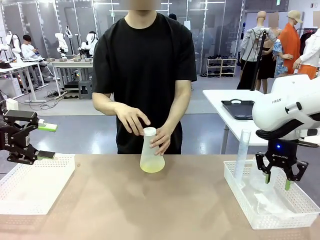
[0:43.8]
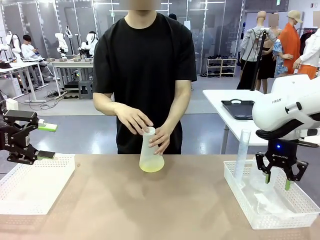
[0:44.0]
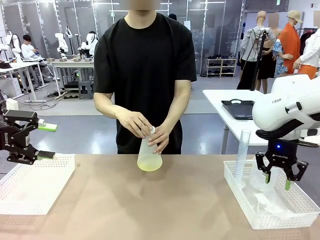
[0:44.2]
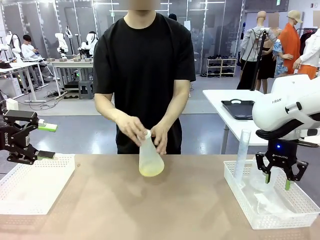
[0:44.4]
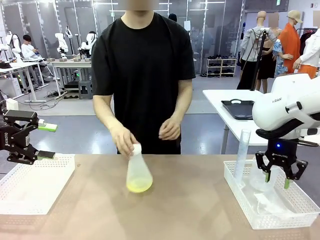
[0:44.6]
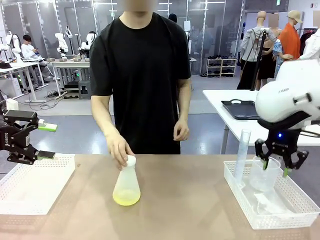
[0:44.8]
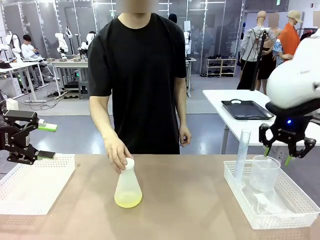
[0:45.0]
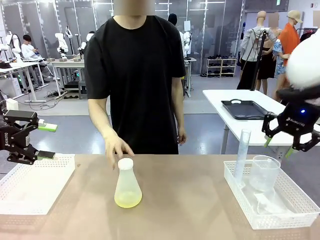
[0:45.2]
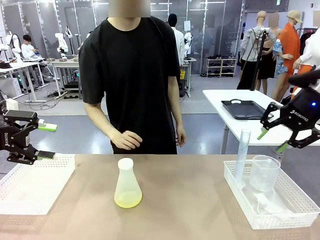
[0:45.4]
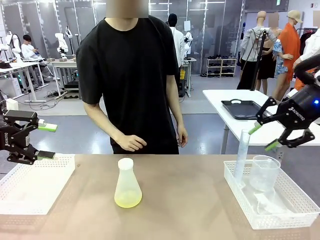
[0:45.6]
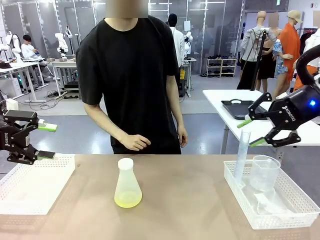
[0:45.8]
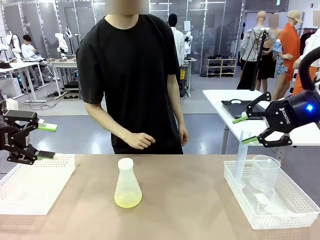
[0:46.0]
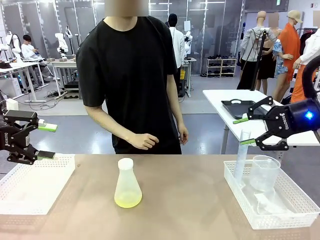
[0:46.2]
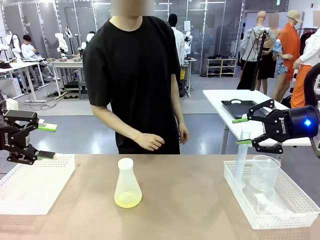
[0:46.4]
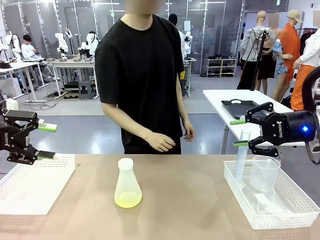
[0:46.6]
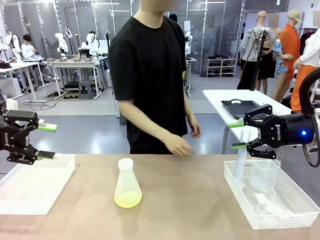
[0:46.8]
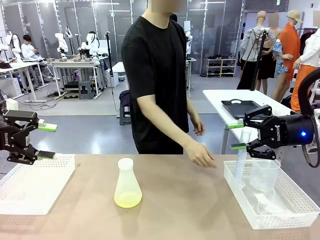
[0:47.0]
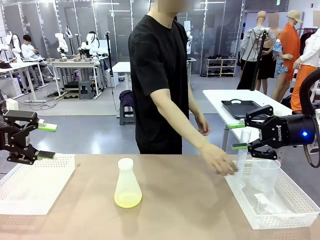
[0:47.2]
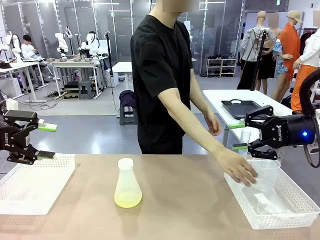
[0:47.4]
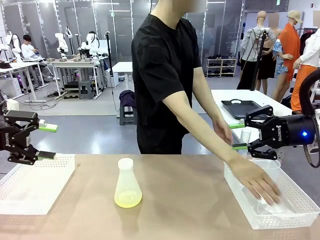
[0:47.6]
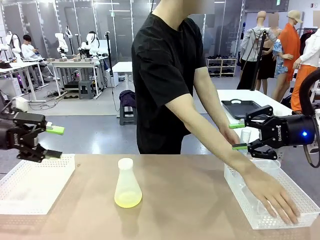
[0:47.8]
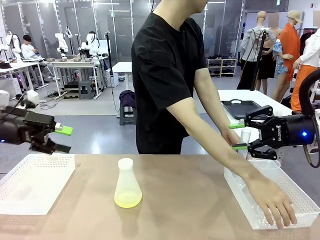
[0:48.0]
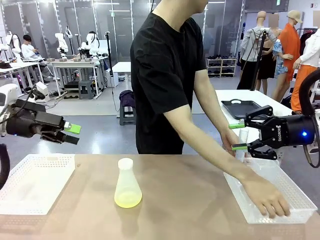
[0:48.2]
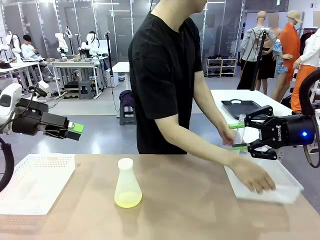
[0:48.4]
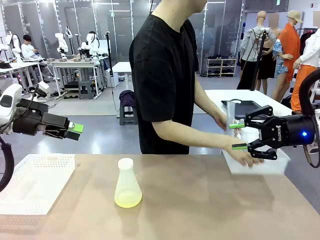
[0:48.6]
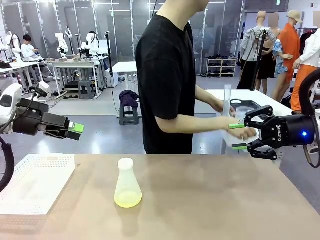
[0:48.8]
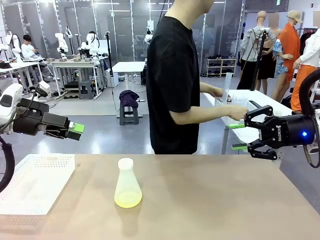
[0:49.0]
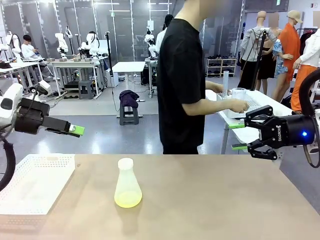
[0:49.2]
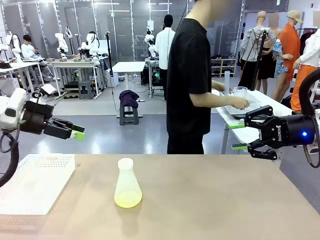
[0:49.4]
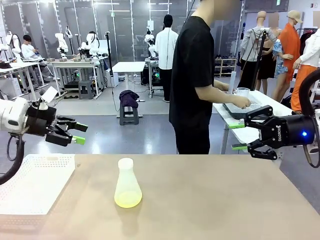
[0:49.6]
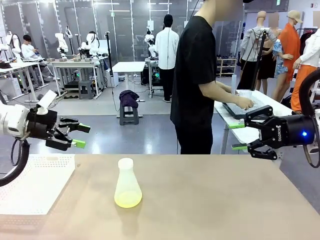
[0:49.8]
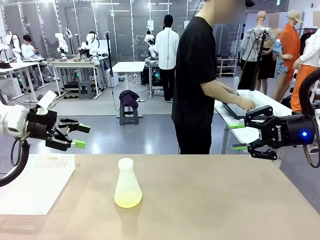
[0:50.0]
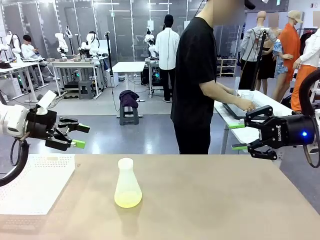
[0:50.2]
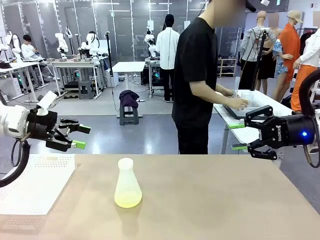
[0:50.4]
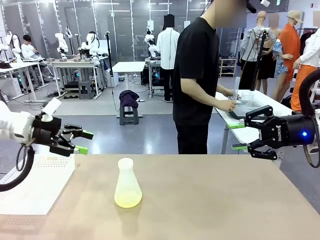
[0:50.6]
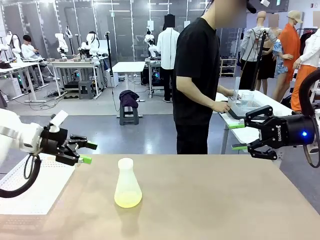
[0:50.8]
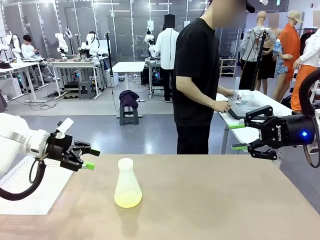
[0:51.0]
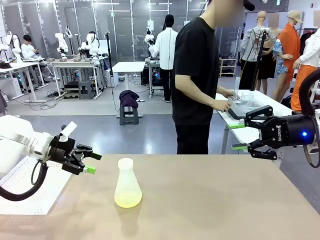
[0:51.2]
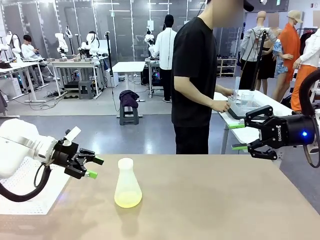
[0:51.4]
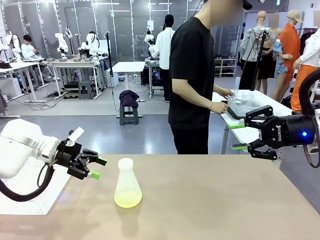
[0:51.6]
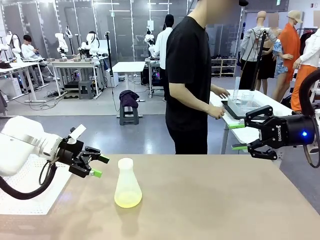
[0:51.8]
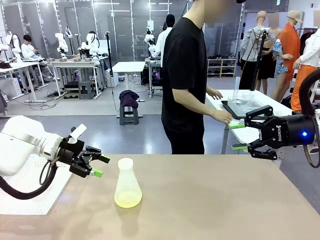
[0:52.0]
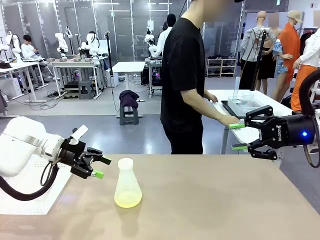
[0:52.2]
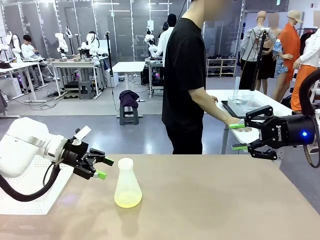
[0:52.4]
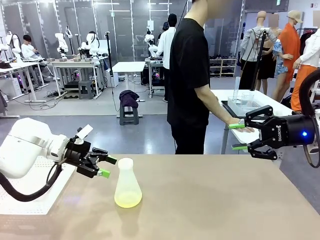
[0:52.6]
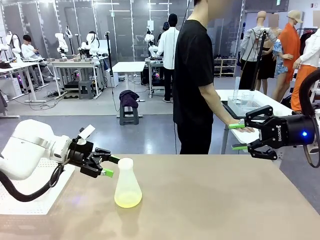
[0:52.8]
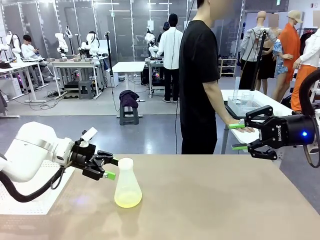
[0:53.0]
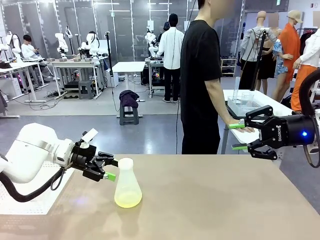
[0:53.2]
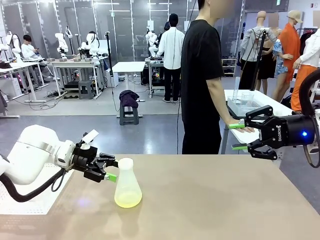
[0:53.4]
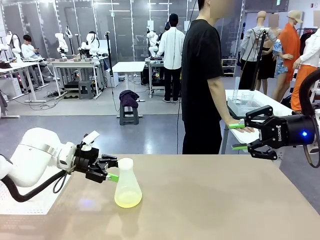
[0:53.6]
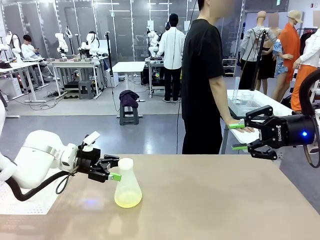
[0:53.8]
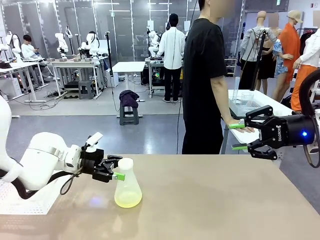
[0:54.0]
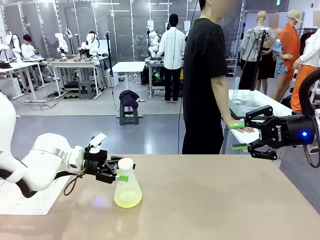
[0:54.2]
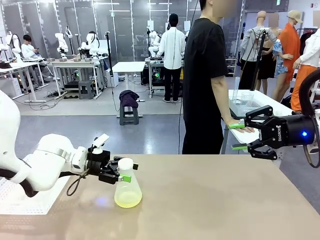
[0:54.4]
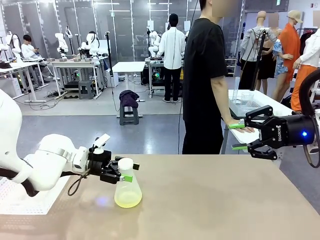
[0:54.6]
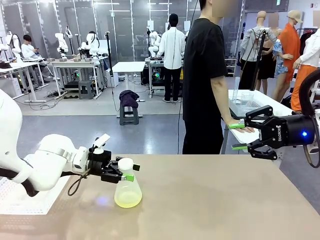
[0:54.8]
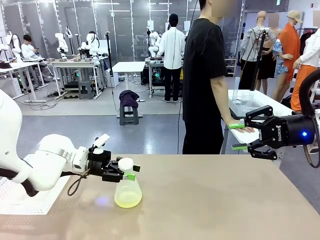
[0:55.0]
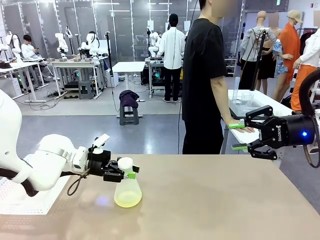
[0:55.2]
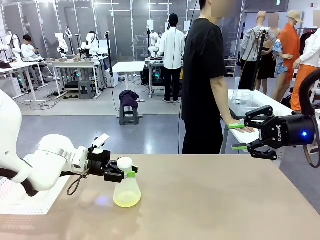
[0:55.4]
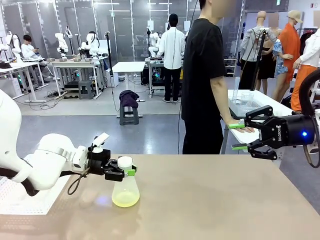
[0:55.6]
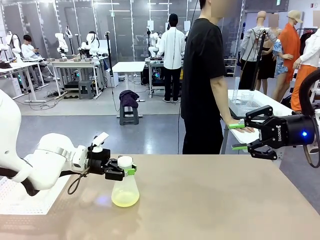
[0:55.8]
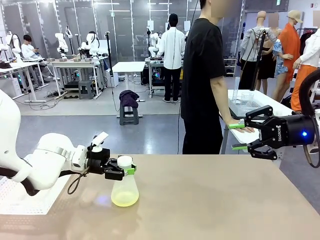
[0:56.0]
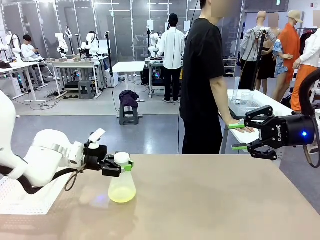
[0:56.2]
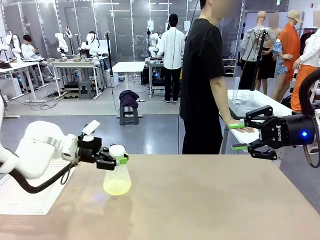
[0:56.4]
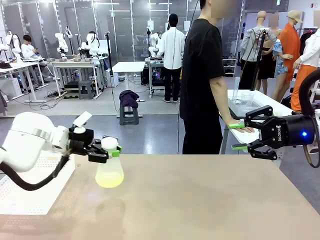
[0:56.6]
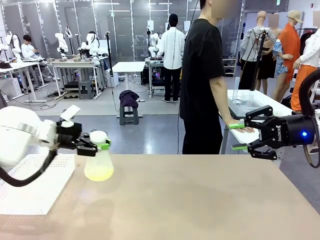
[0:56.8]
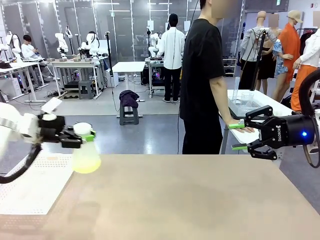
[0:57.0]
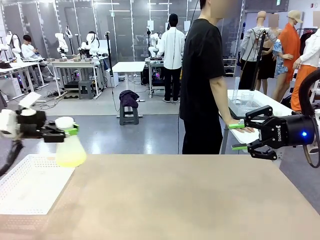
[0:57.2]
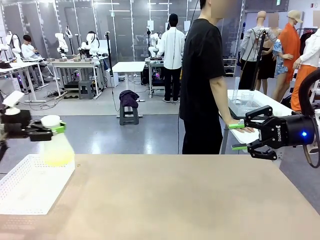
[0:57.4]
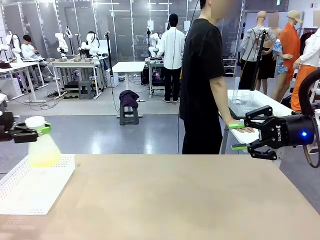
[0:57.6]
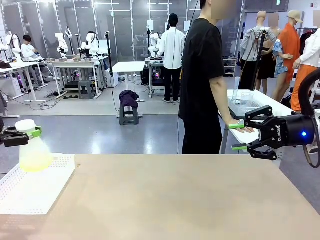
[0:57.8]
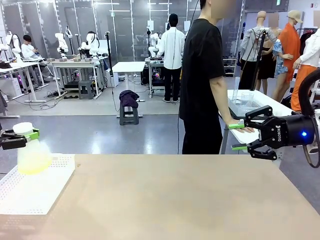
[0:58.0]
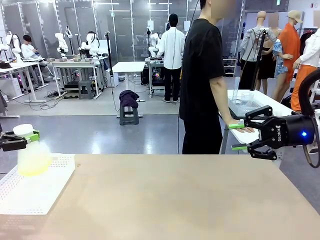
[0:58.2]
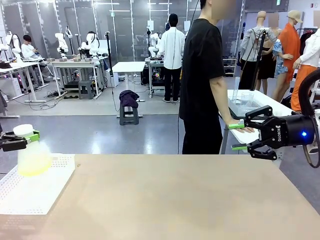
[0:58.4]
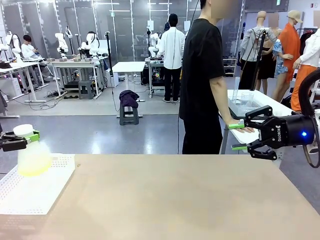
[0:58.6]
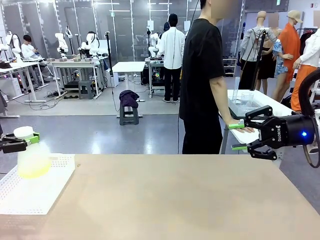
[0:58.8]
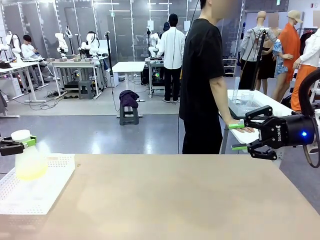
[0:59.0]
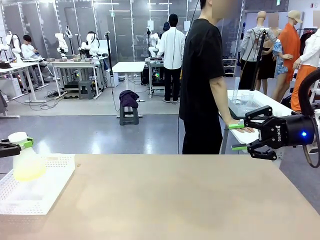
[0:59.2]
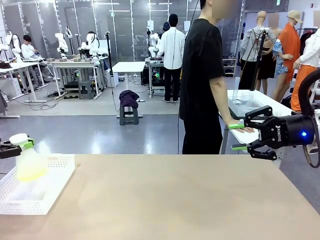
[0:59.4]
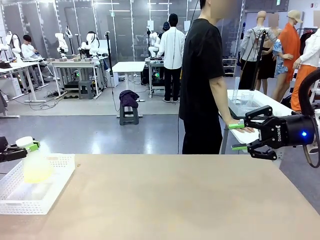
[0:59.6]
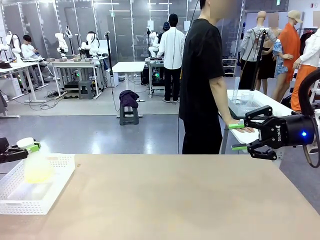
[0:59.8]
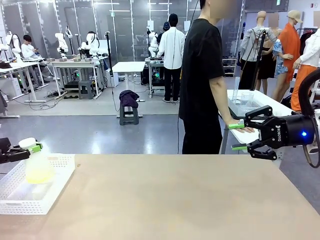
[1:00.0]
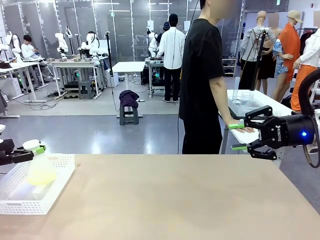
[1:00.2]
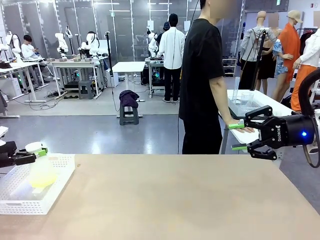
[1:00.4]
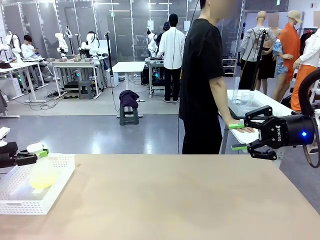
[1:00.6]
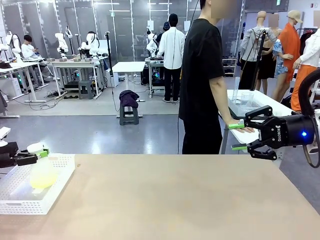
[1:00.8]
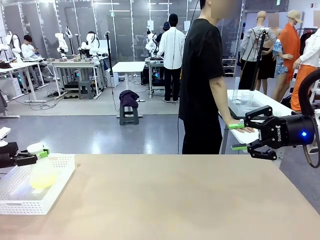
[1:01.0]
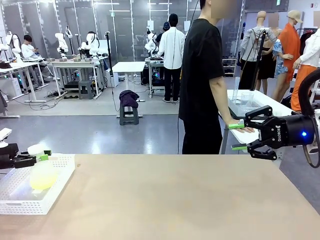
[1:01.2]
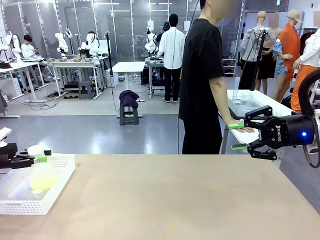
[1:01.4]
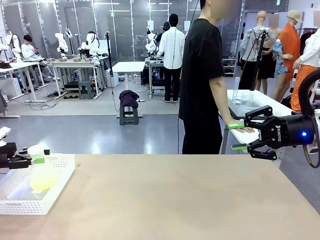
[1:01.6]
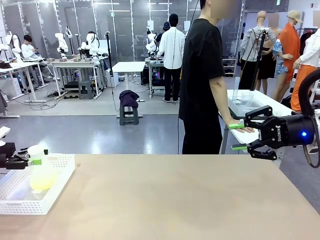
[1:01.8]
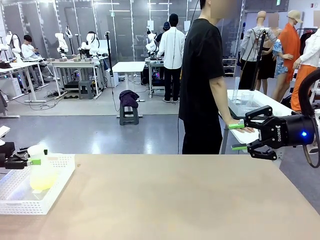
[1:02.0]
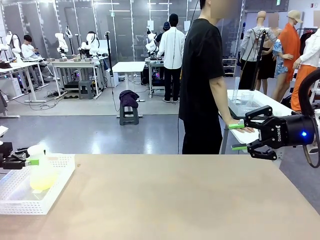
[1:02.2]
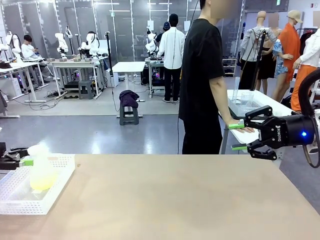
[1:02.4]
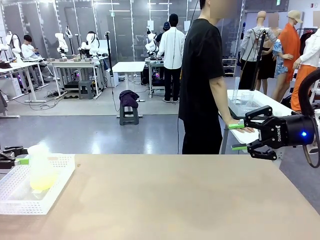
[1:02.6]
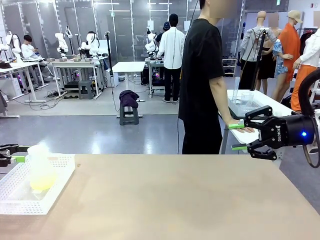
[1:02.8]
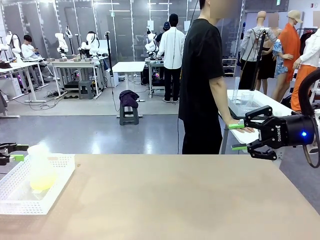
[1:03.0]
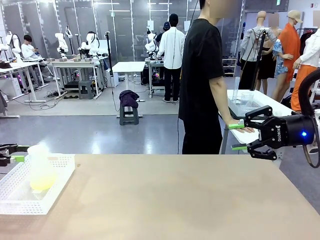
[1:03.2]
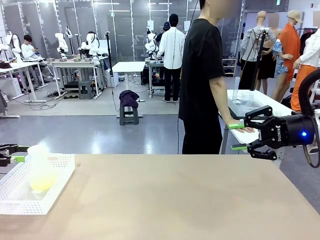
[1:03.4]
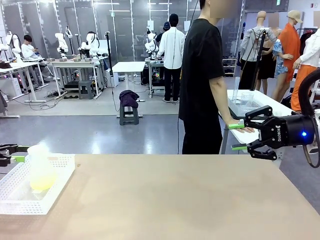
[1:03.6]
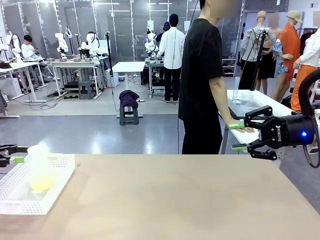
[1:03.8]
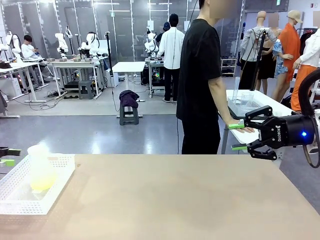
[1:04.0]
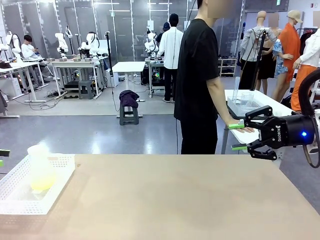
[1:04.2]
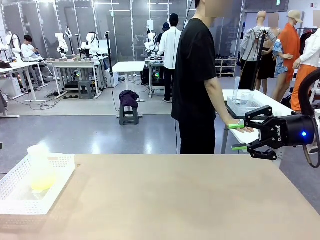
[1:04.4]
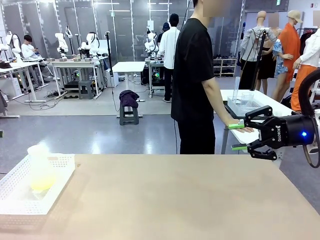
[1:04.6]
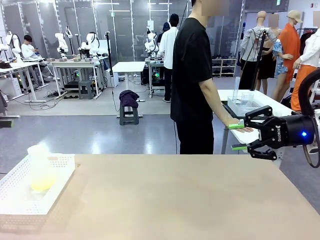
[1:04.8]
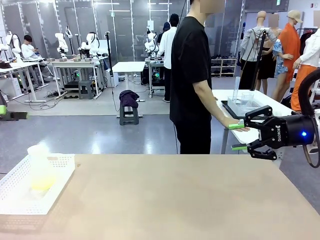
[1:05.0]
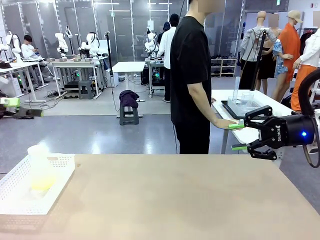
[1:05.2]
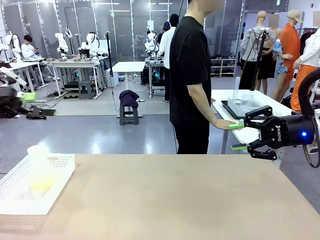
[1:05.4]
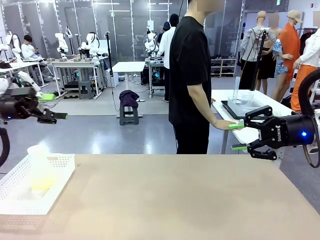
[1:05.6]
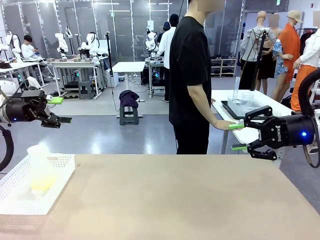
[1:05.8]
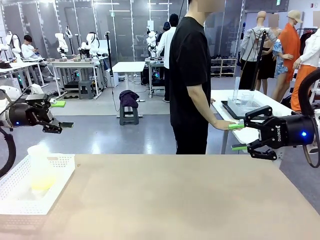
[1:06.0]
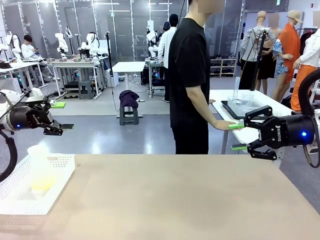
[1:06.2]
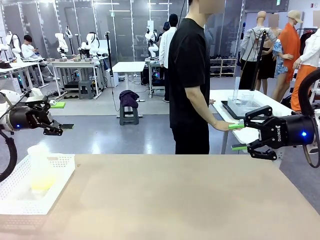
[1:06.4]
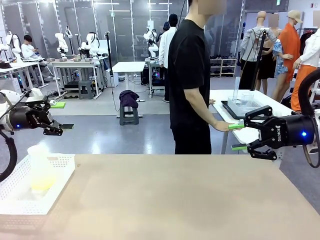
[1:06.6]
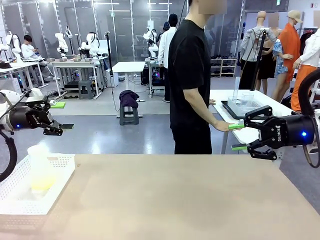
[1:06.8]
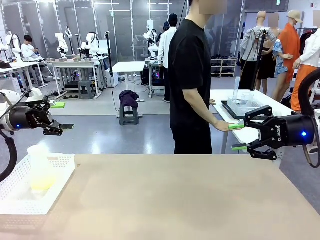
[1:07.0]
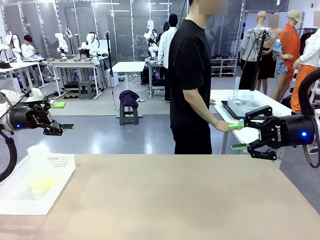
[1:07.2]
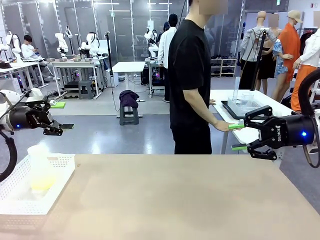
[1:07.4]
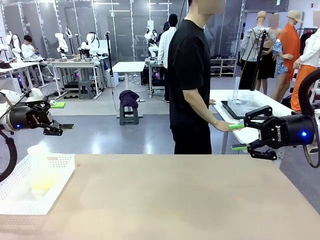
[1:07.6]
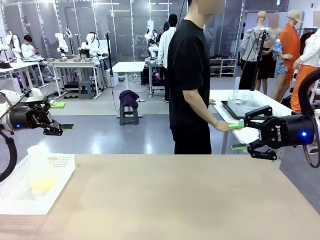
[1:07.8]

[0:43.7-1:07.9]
Task: Prepare the solutions needed for the experiment.
Robot: When the human places the Big flask in the center of the table, pick up the Big flask and place it in the left Organizing basket.
Person: Pick up the organizing basket on the left side of the robot table and place it on the left side of the human table.
